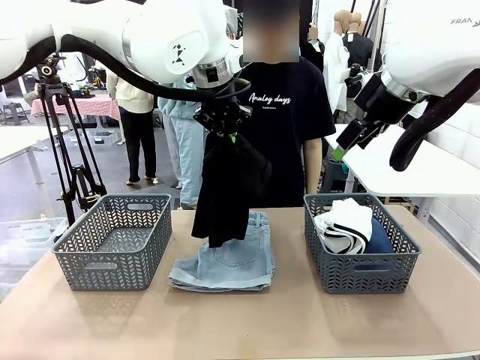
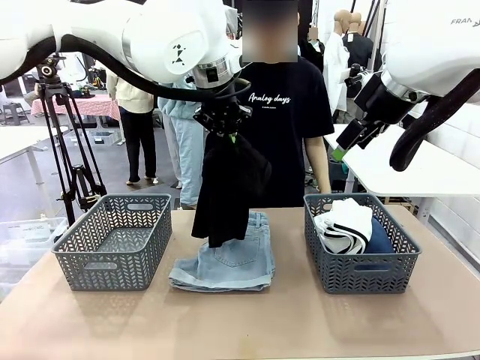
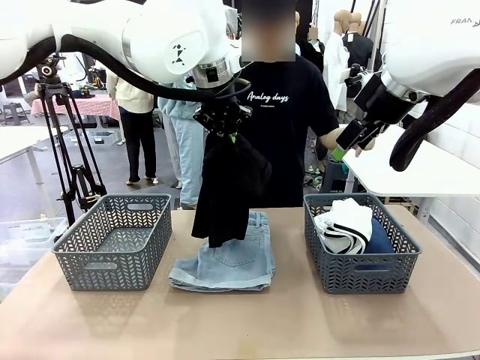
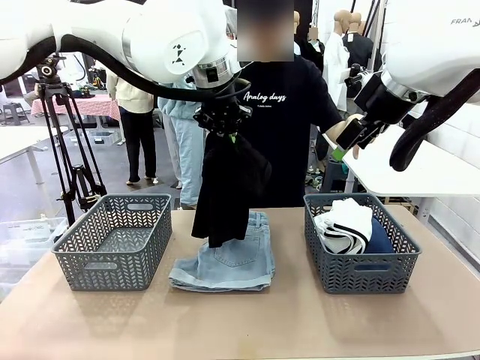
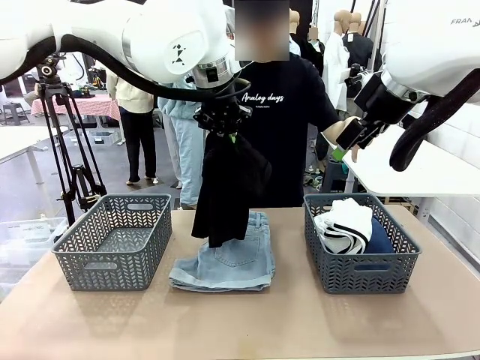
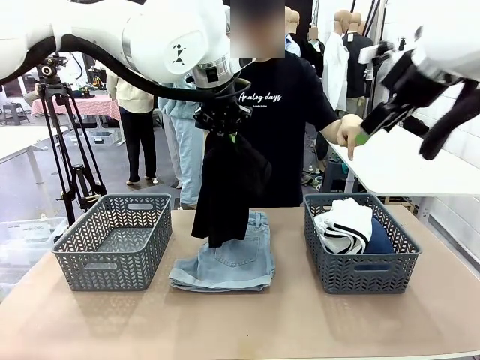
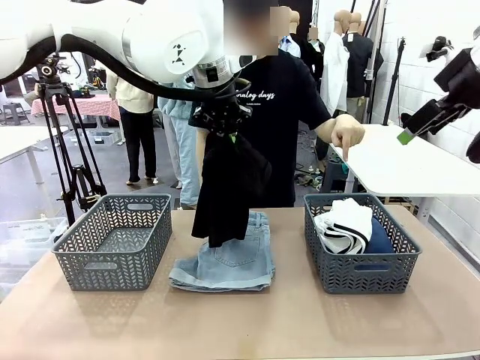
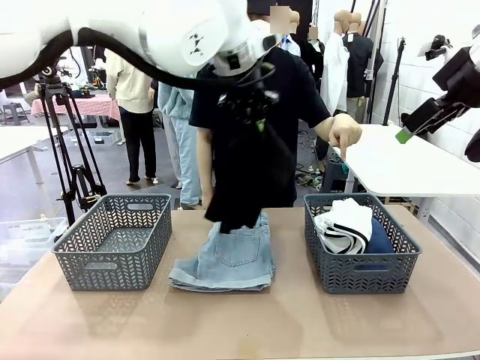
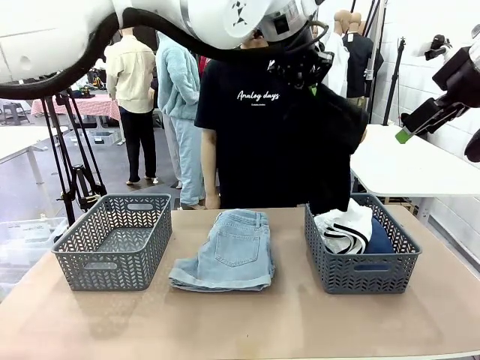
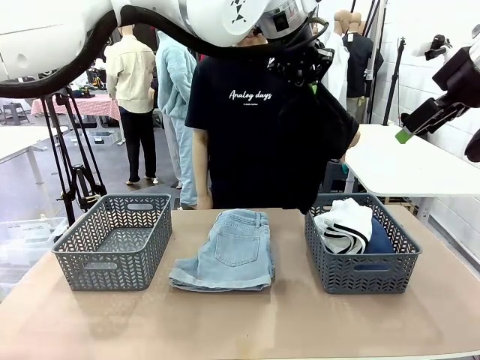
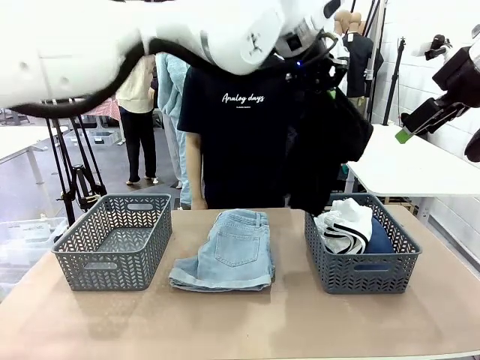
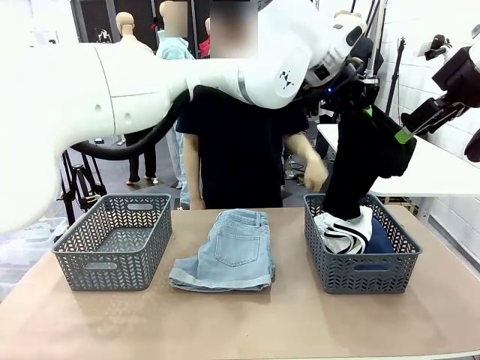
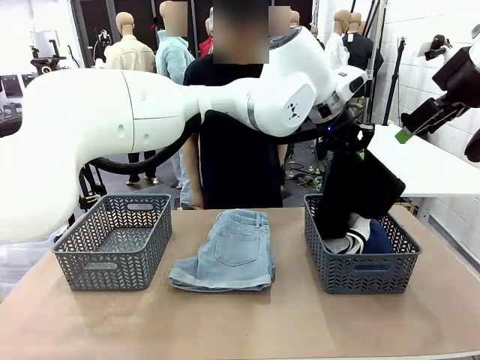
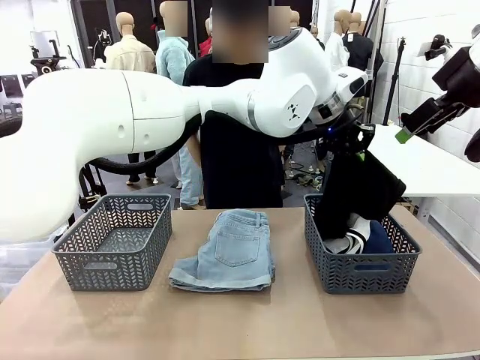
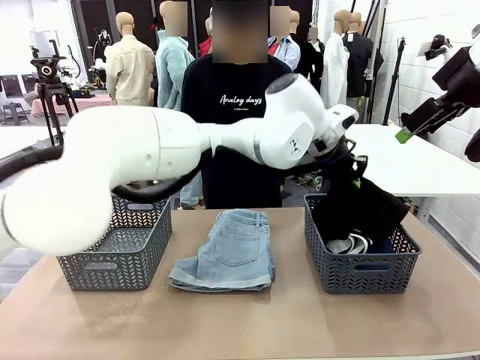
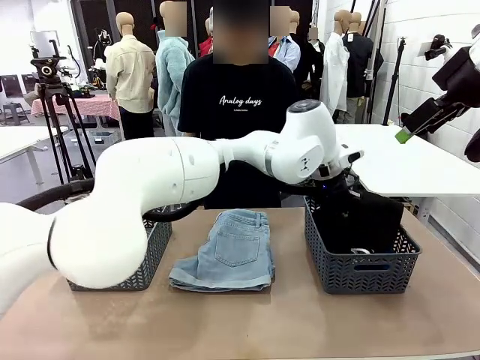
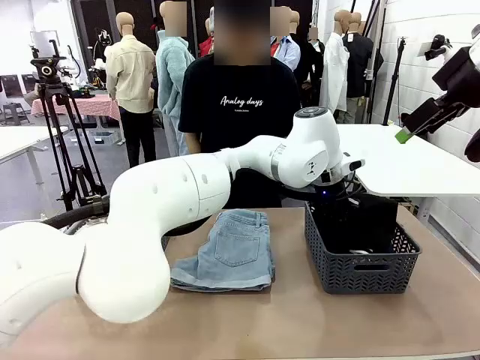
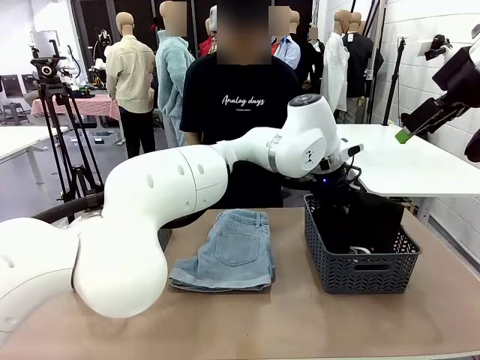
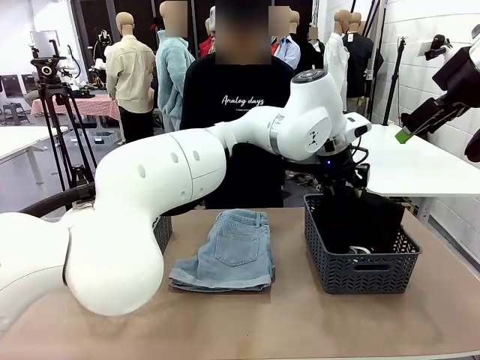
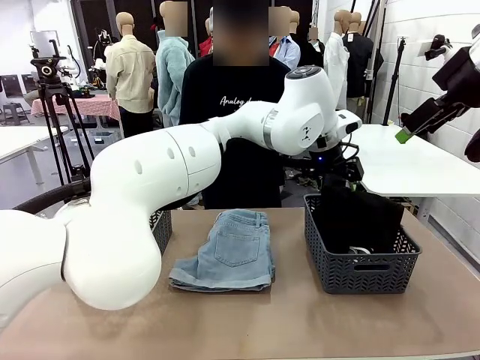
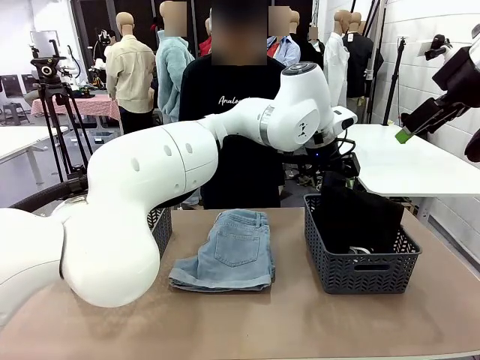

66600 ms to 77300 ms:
Task: Sort the tops and bottoms.
Robot: Sort the clothes according to human instructions.

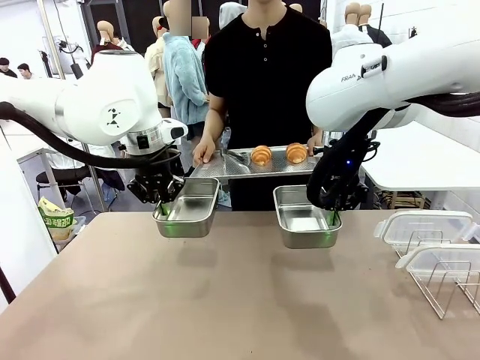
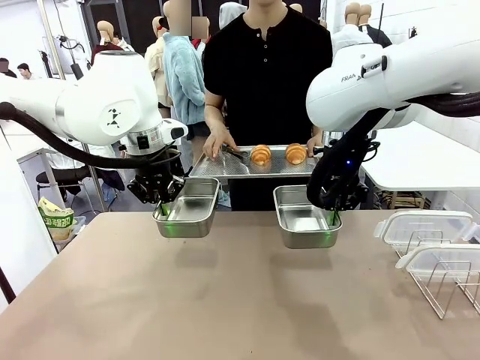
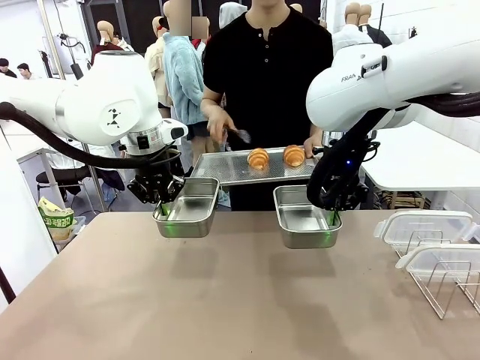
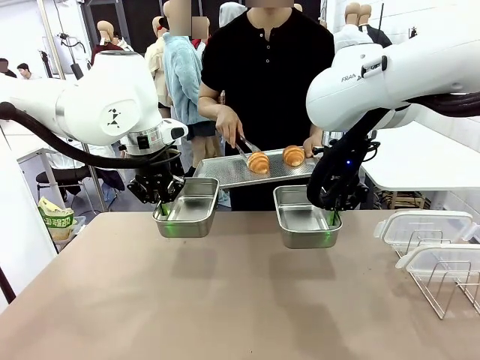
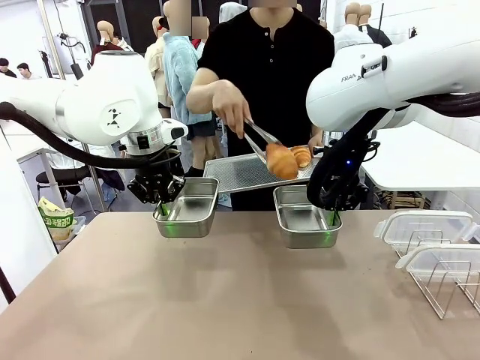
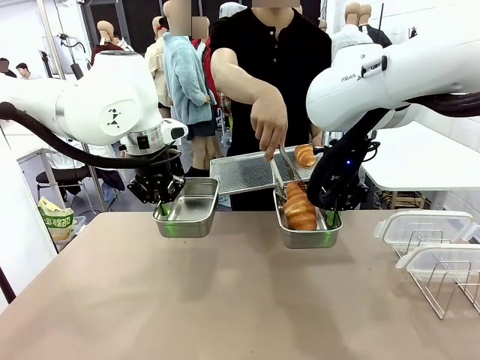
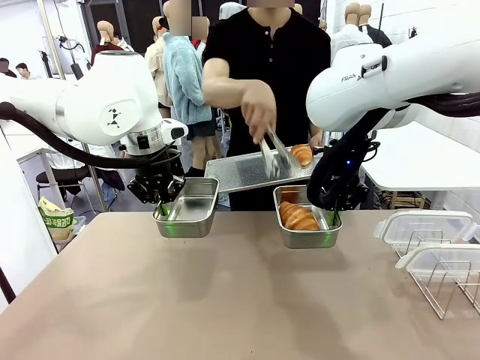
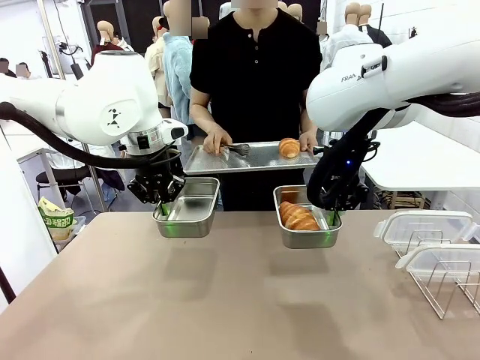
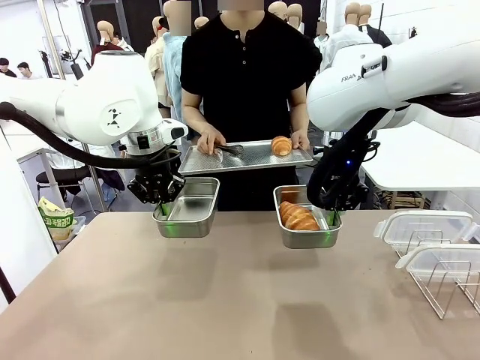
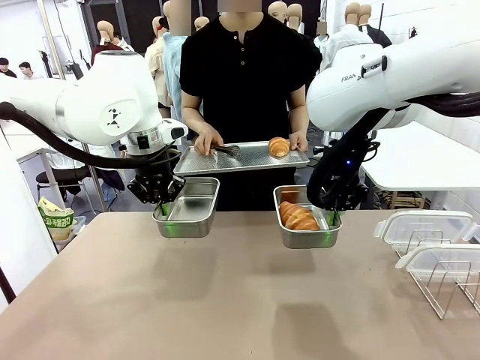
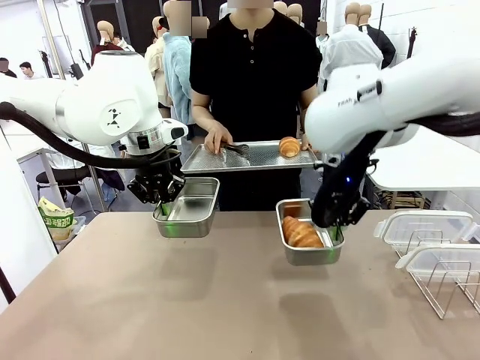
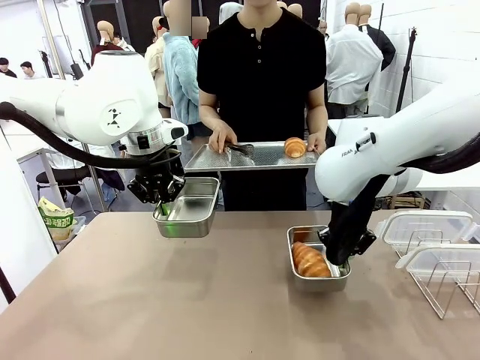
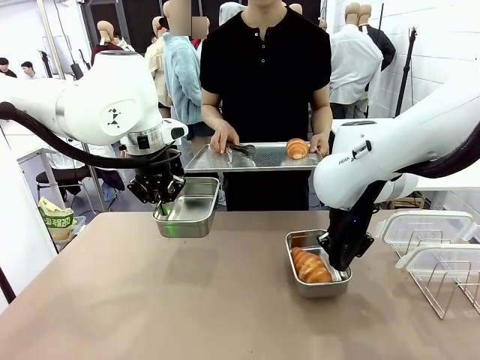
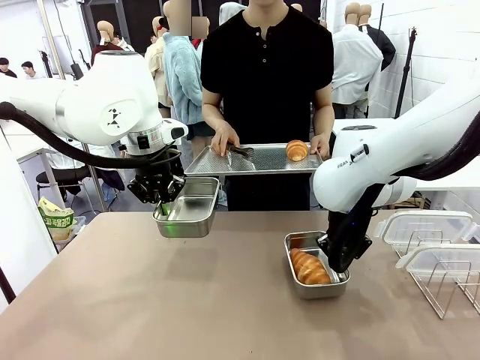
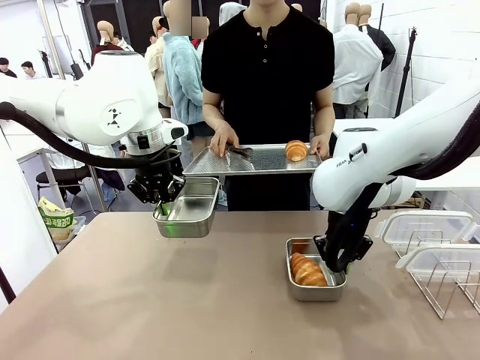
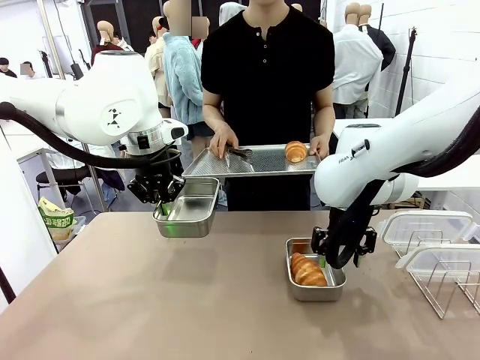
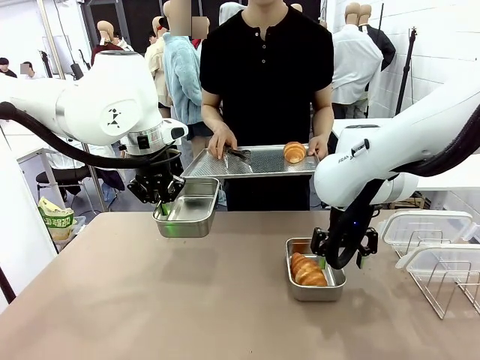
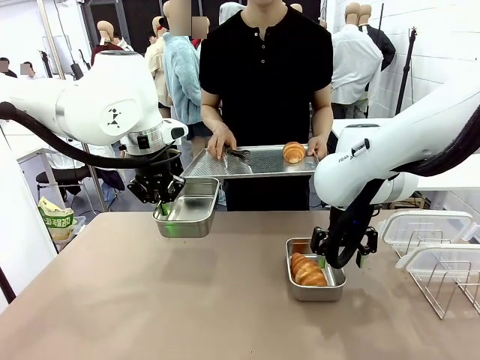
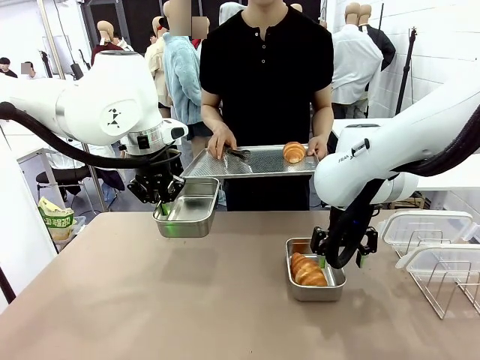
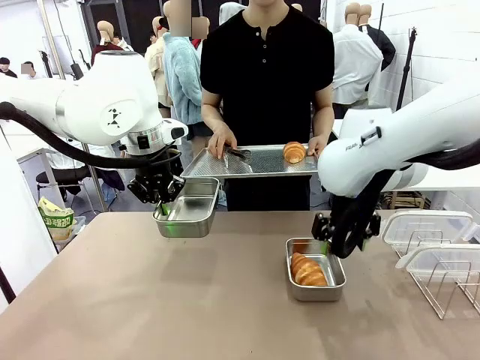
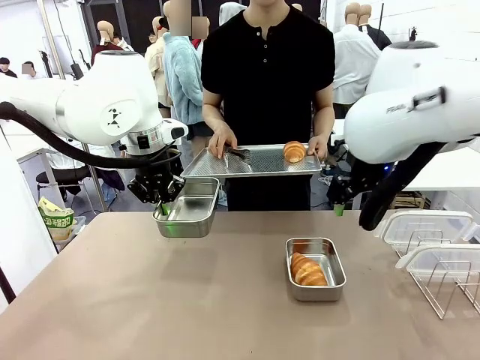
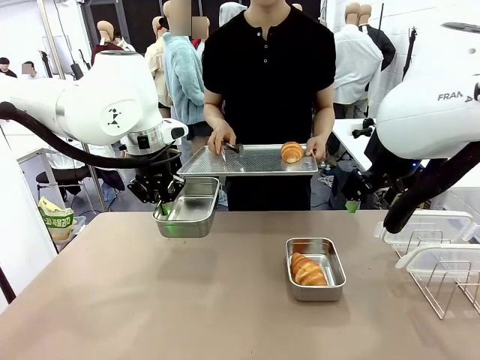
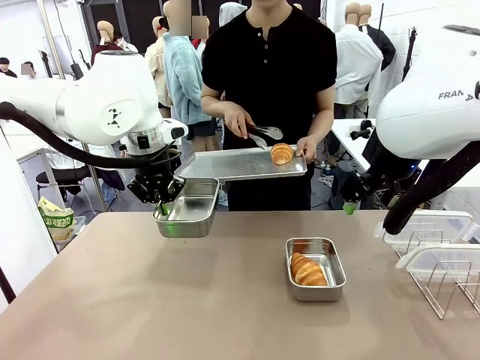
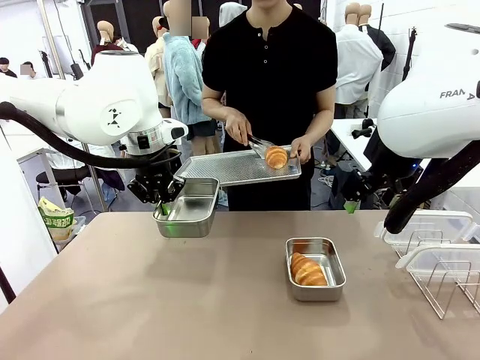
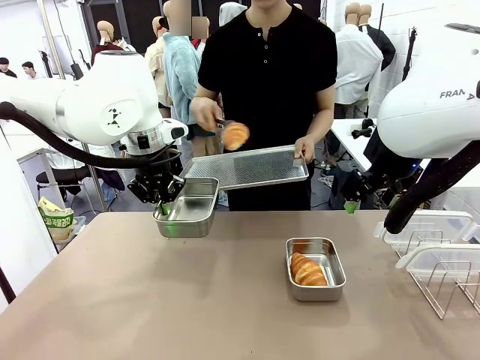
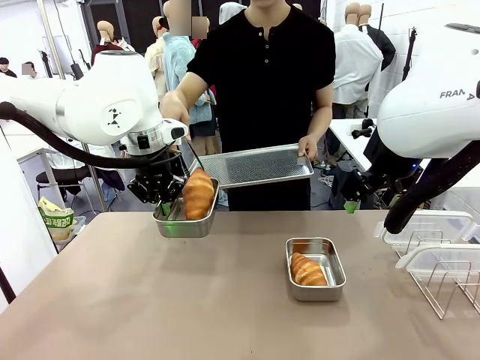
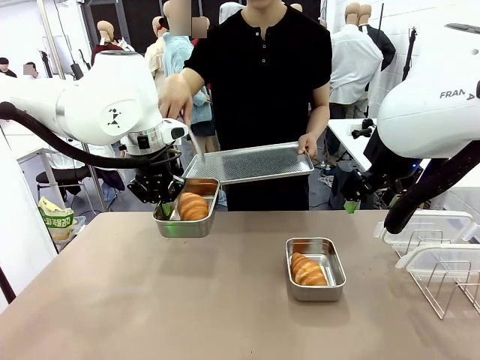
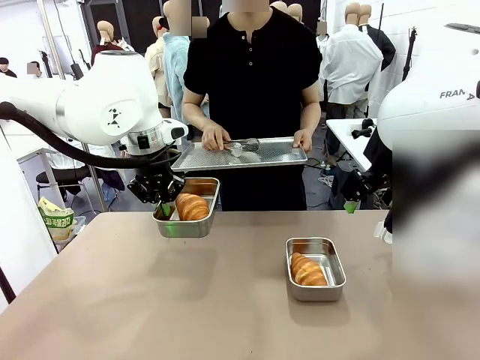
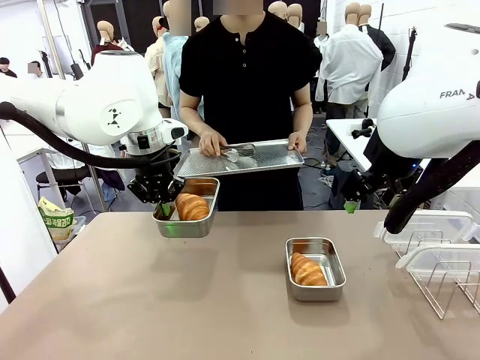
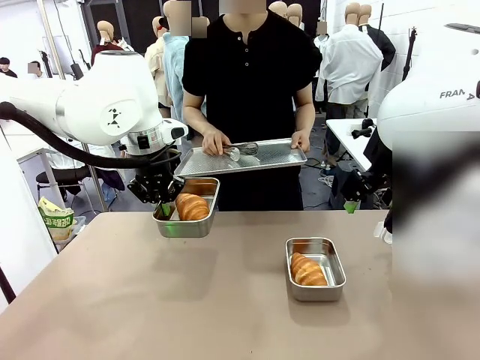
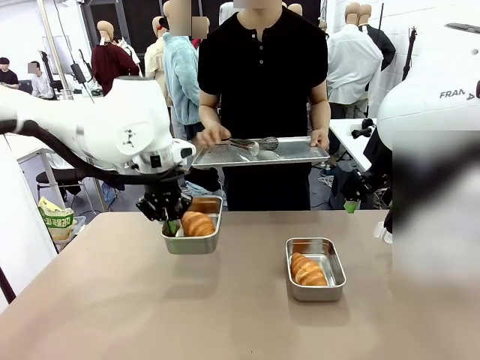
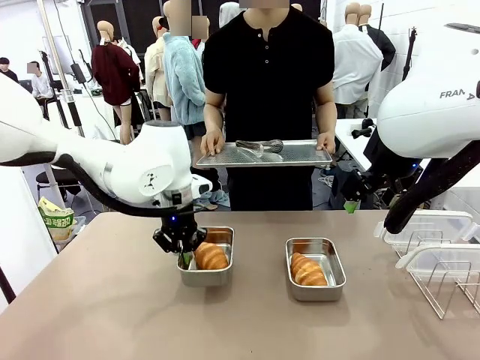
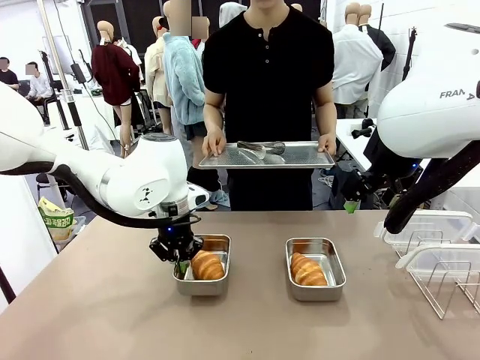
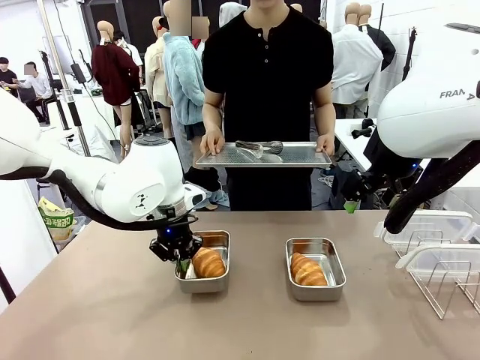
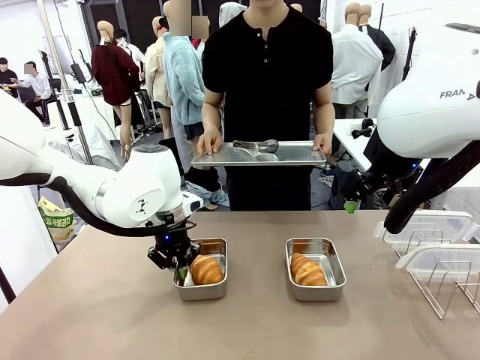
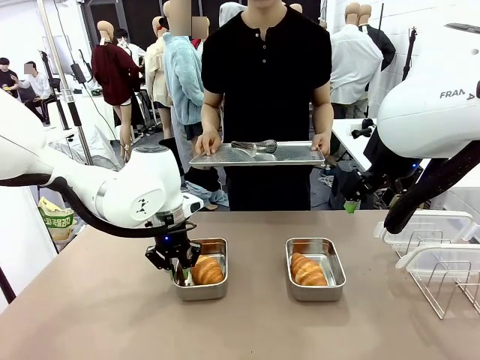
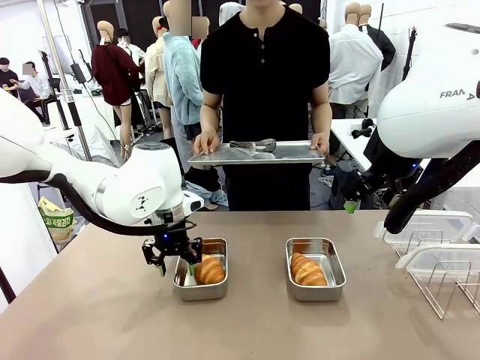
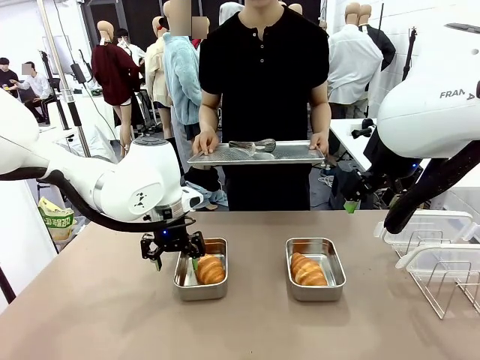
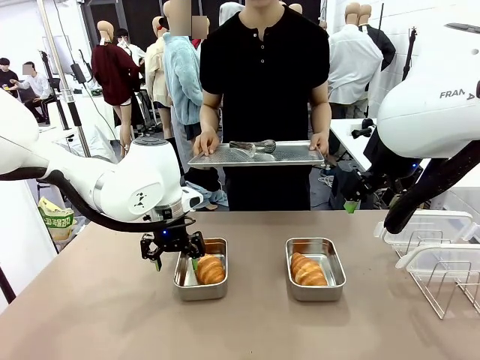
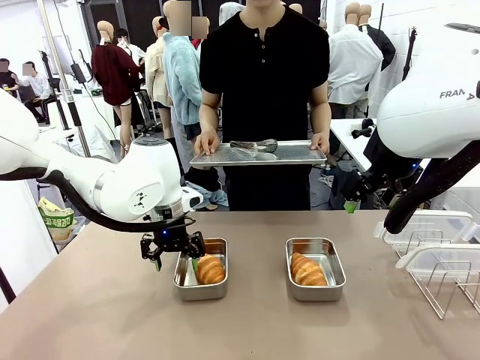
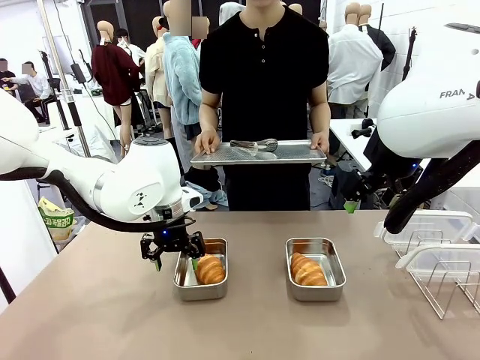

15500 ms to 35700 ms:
Task: Place the bread in airtight containers.
Robot: Once an object is inside an Airtight Container , place the container in the center of the table.
Person: Use the Stainless steel tongs to place one object from Baking Sheet into one Airtight Container. Place Baking Sheet on the Human's Table.
